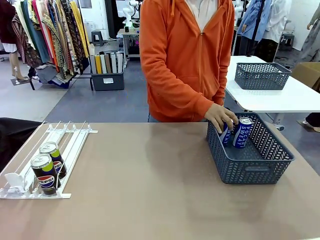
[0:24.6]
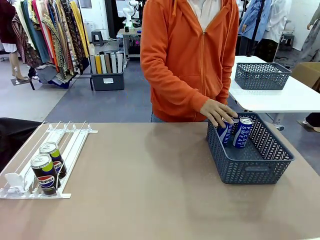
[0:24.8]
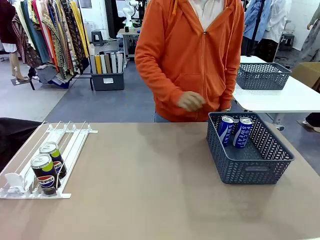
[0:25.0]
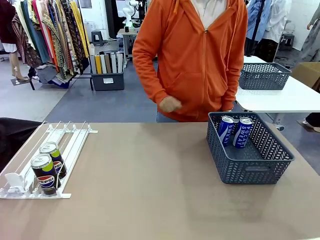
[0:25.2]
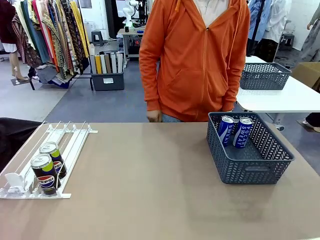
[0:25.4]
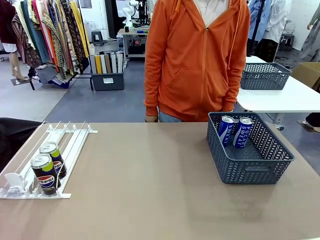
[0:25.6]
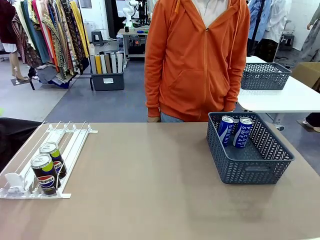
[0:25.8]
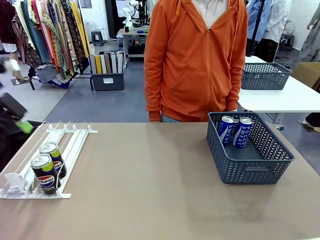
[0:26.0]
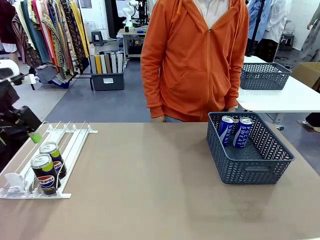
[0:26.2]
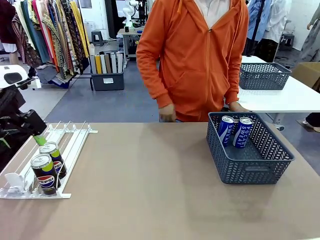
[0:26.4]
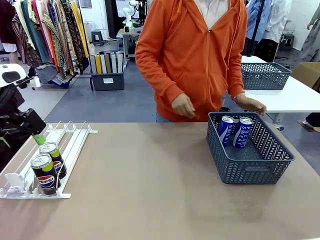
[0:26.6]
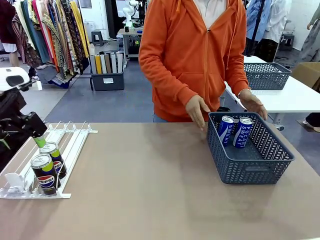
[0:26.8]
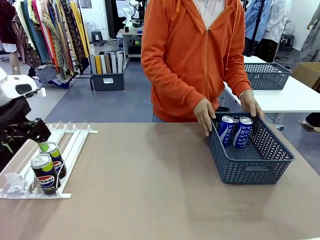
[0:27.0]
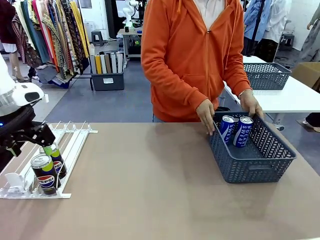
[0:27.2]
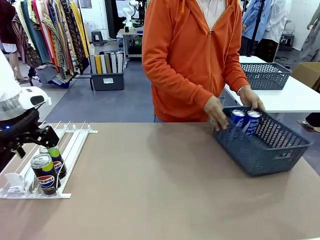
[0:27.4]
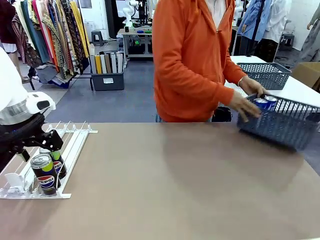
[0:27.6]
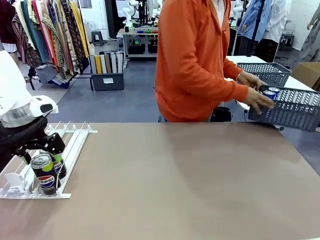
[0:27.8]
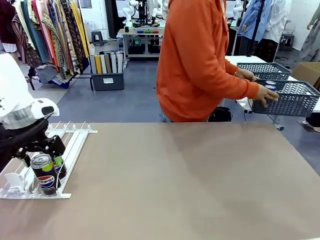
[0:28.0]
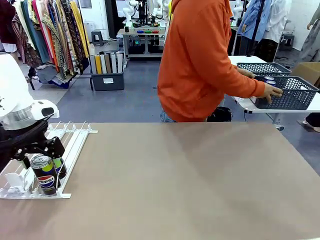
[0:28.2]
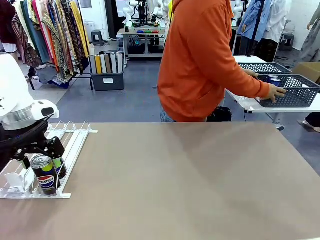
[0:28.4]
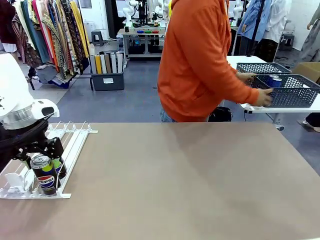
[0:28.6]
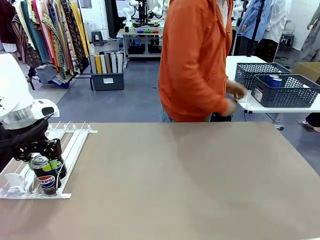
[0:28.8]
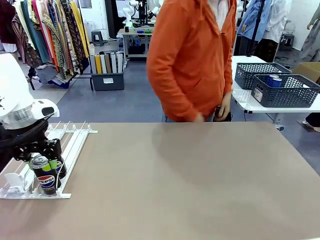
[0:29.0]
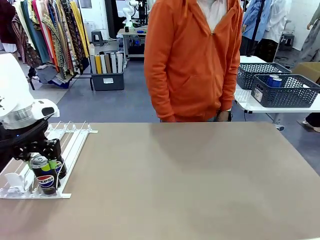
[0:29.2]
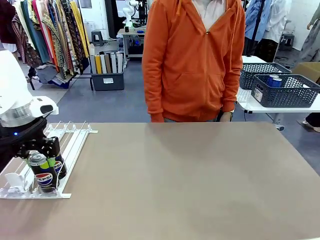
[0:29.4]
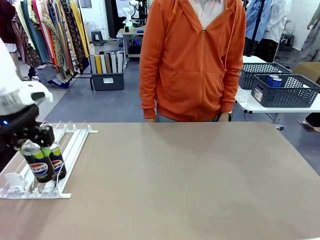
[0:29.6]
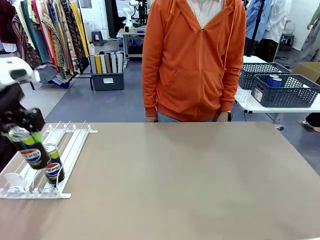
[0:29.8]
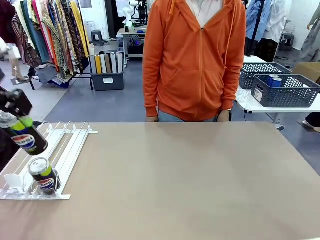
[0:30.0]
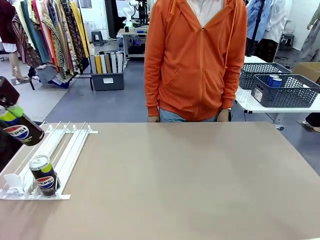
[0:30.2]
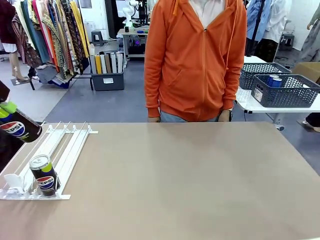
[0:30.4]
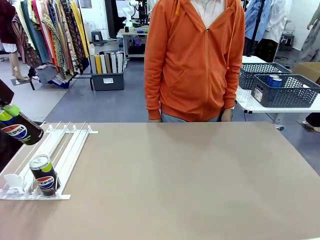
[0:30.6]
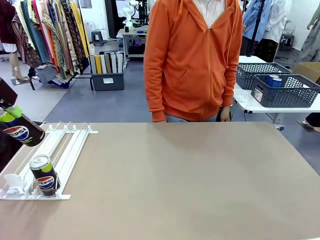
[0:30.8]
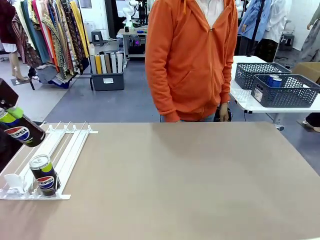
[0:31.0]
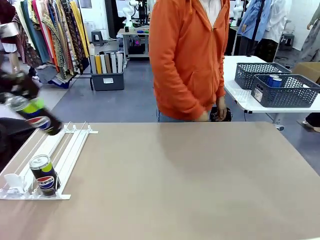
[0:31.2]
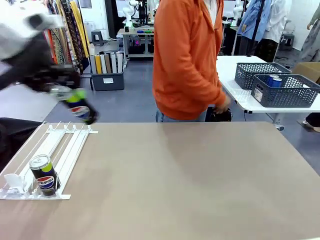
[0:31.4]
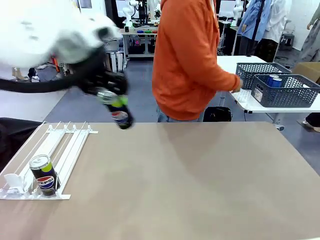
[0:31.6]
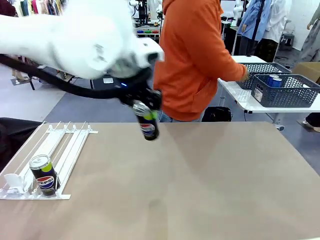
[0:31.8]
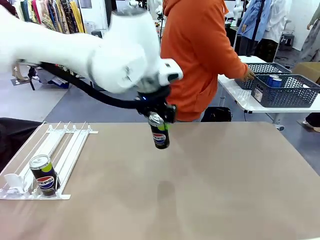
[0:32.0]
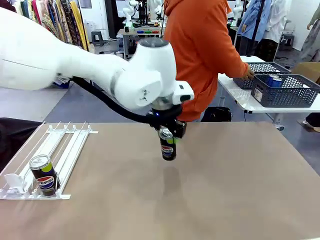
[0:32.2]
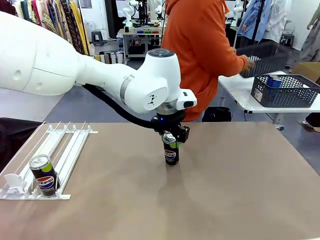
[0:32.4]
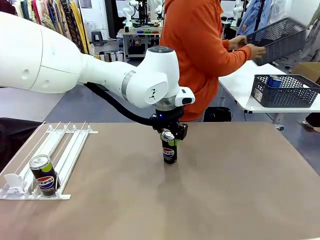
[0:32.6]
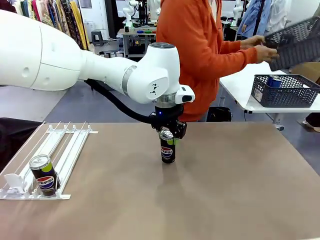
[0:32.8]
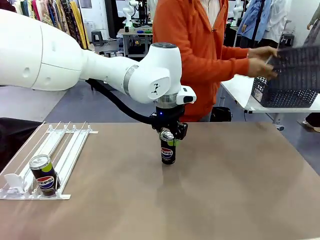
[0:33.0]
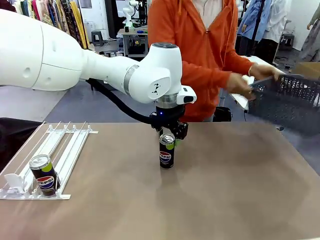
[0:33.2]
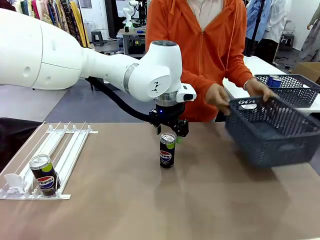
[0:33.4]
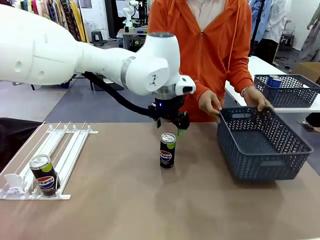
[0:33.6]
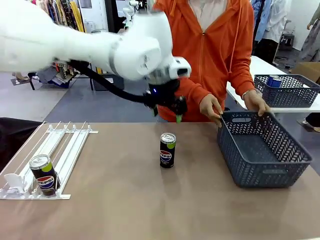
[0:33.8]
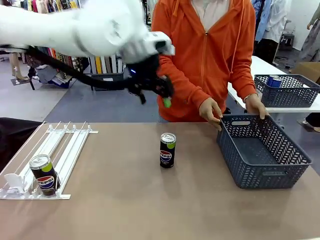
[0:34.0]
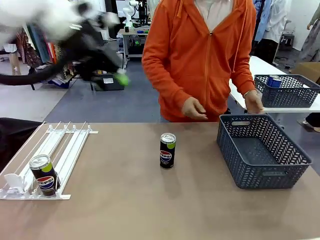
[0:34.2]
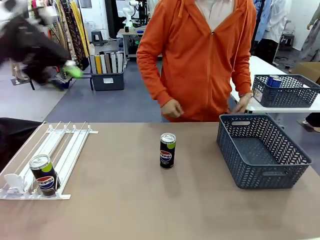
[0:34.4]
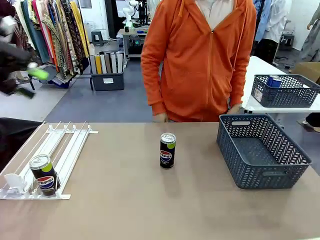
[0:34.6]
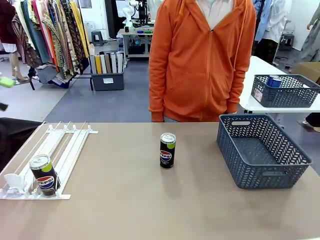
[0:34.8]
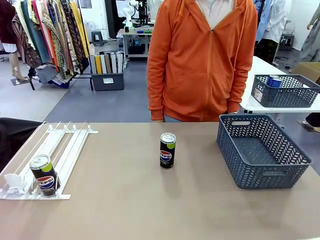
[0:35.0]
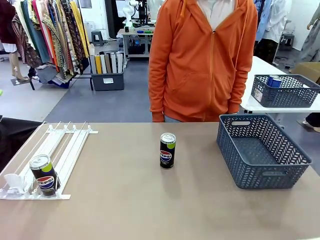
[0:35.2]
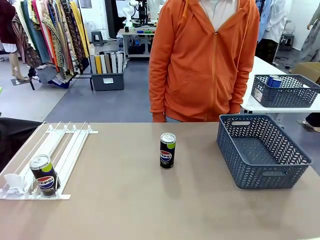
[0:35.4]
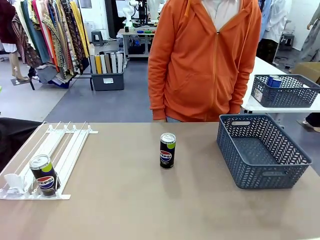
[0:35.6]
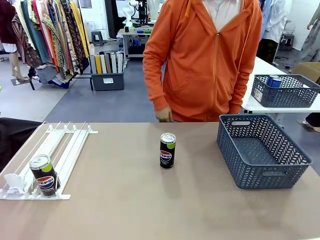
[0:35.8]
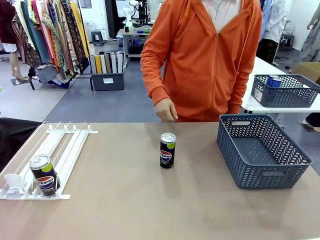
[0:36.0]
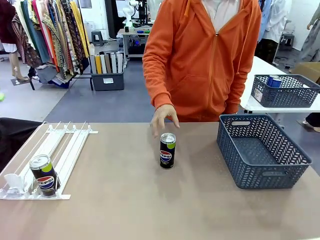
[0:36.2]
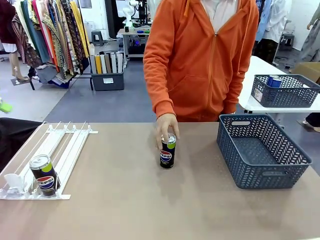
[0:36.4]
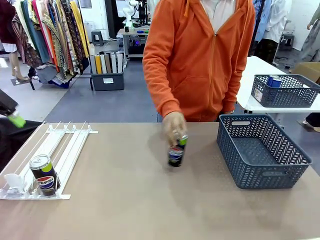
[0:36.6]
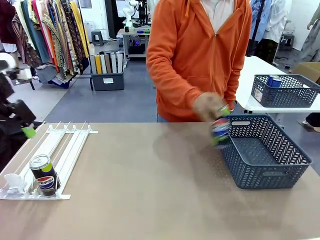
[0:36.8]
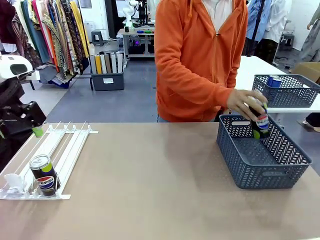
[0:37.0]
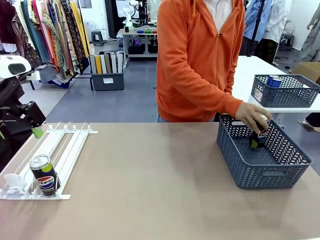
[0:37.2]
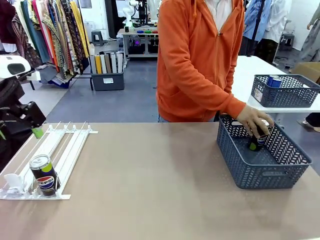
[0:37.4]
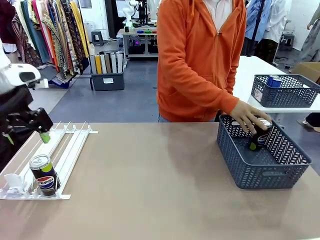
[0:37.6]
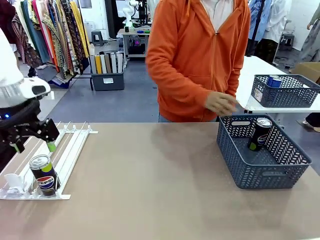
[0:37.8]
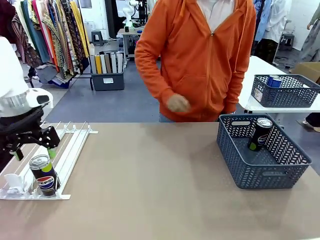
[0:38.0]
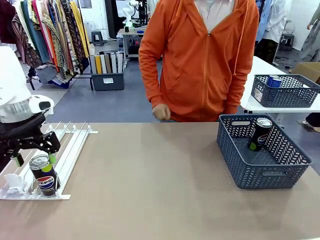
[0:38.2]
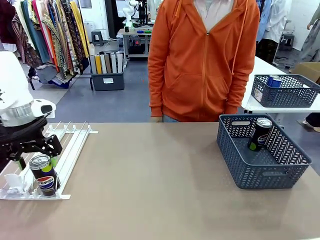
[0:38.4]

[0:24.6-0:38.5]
Task: Retrieve and store the cans from the dispenser.
Robot: Pick up one can from the Automatic Can Dispenser and place it in the middle of the table.
Person: Pick up the basket and place it in the middle of the human table. Pick up the empty basket and place it on the left side of the robot table.
